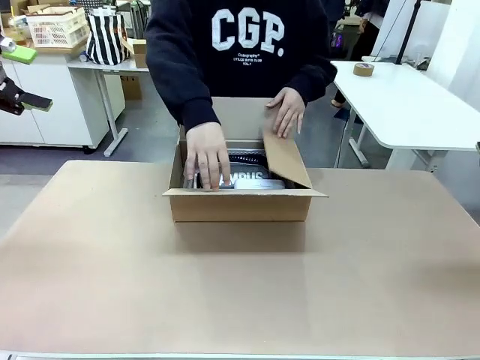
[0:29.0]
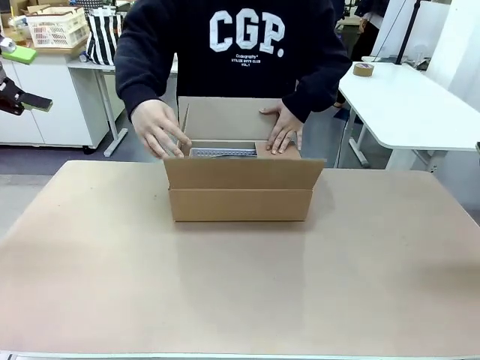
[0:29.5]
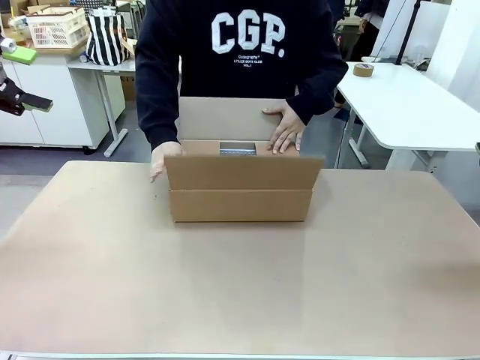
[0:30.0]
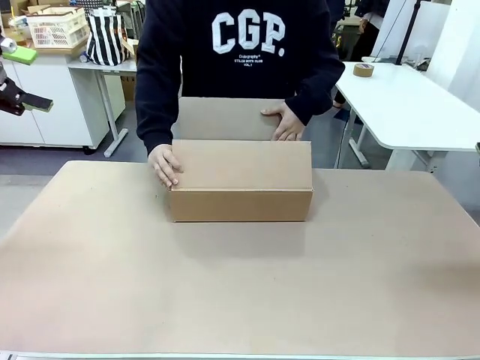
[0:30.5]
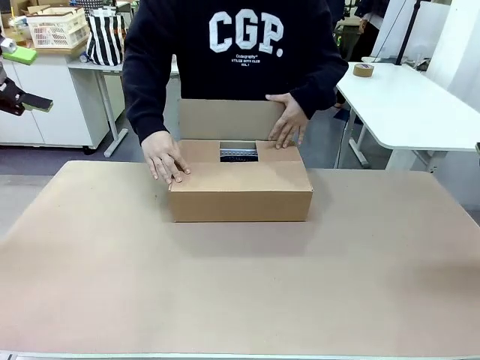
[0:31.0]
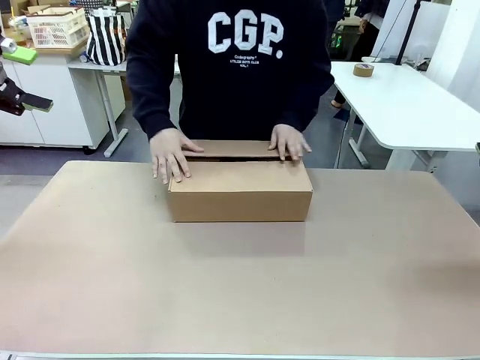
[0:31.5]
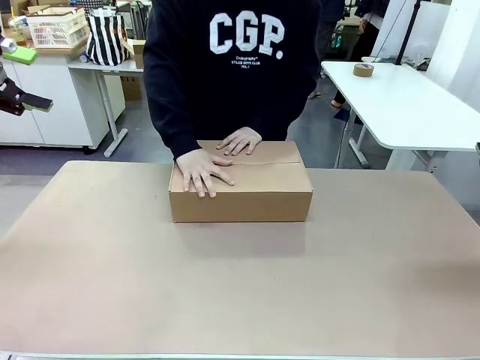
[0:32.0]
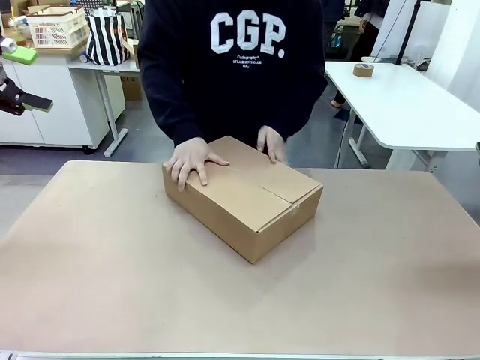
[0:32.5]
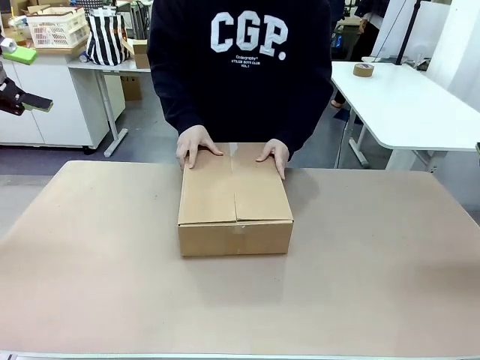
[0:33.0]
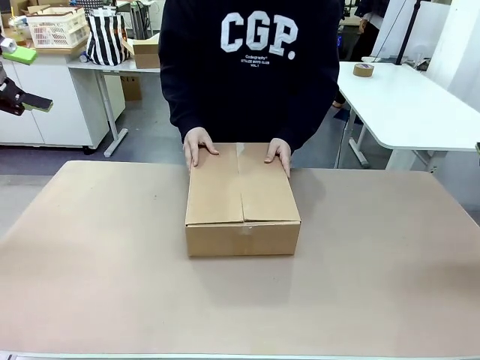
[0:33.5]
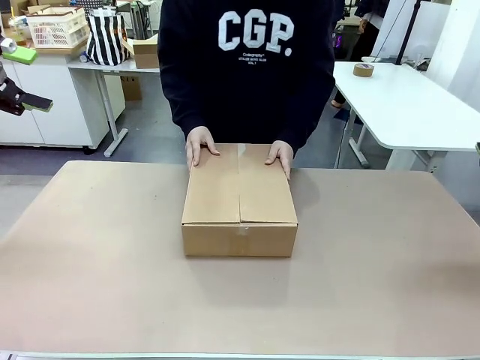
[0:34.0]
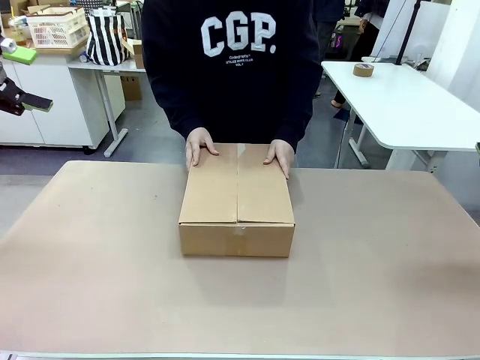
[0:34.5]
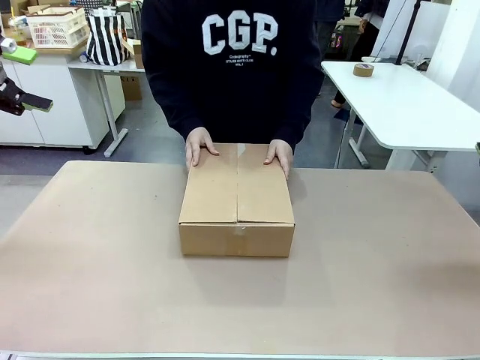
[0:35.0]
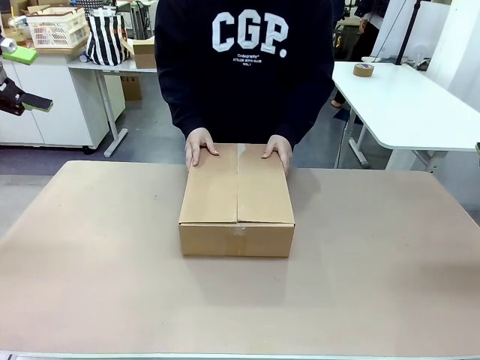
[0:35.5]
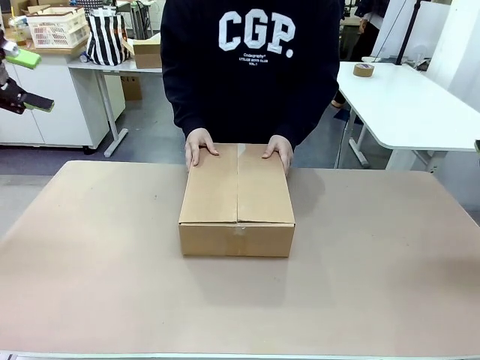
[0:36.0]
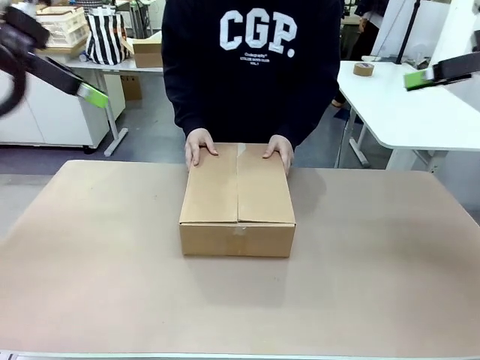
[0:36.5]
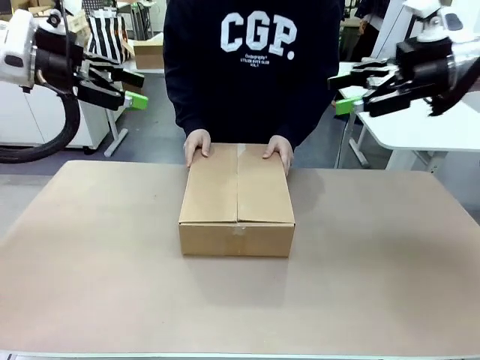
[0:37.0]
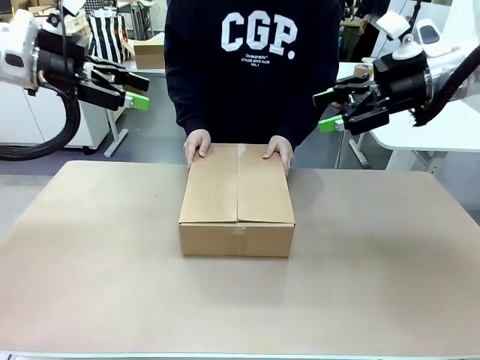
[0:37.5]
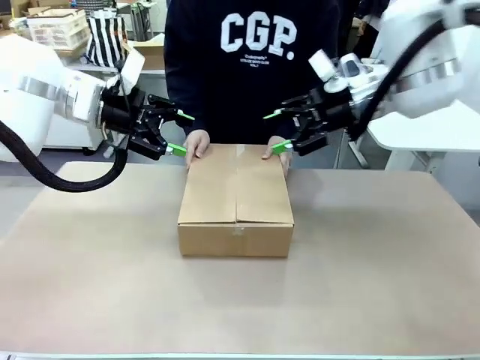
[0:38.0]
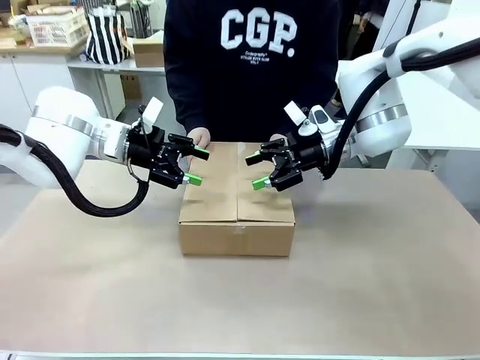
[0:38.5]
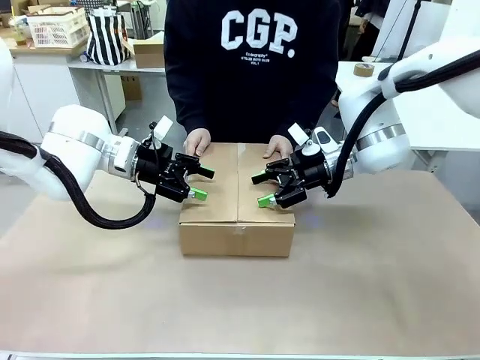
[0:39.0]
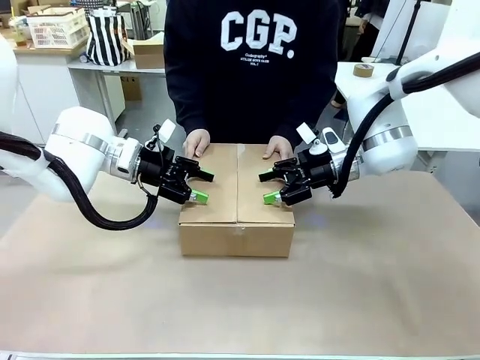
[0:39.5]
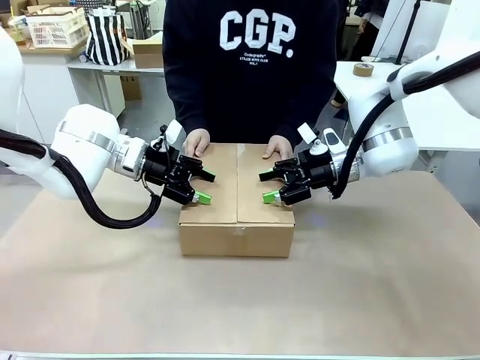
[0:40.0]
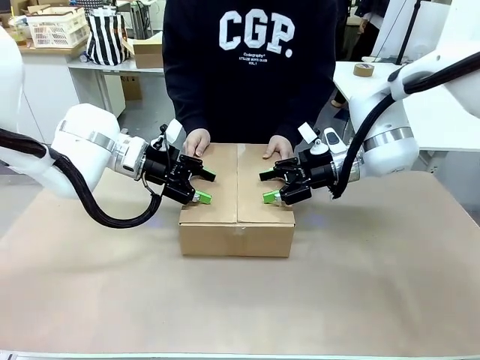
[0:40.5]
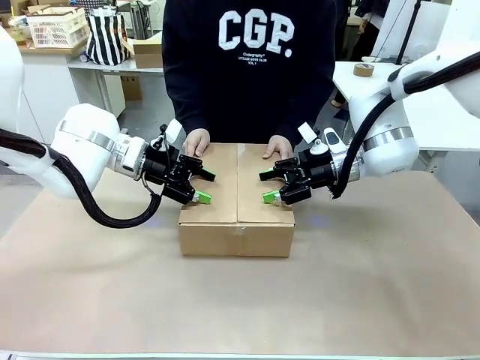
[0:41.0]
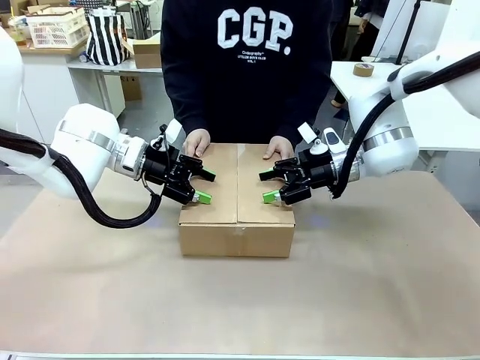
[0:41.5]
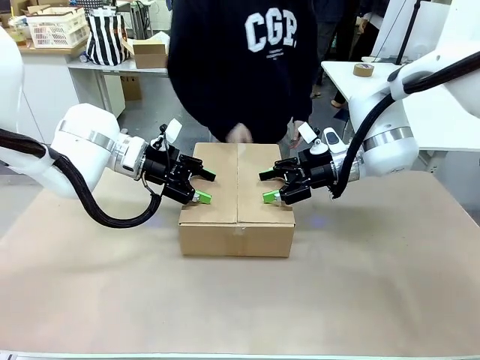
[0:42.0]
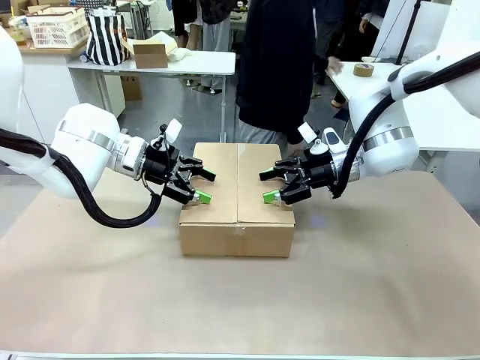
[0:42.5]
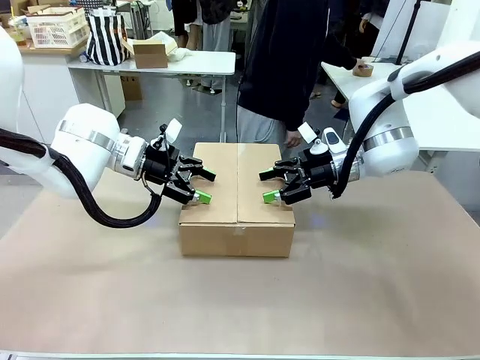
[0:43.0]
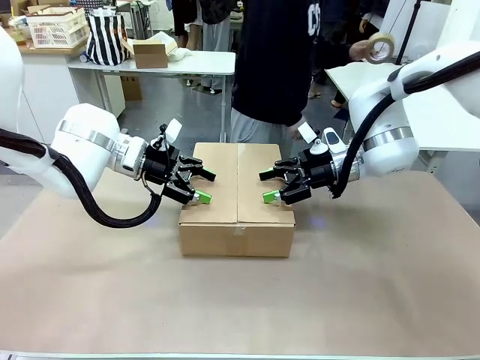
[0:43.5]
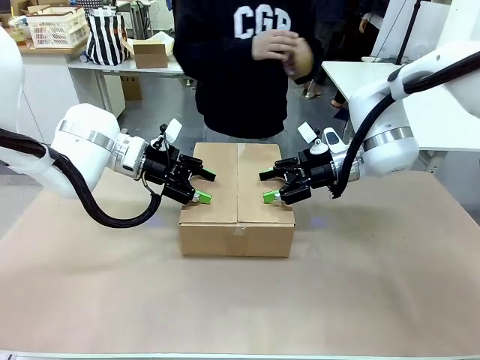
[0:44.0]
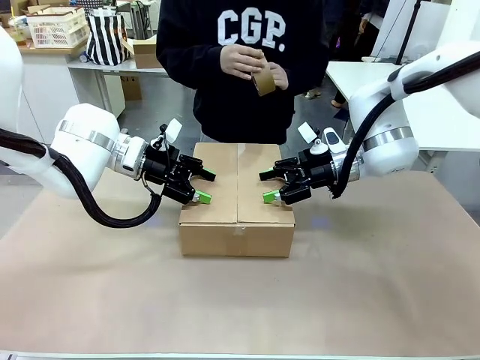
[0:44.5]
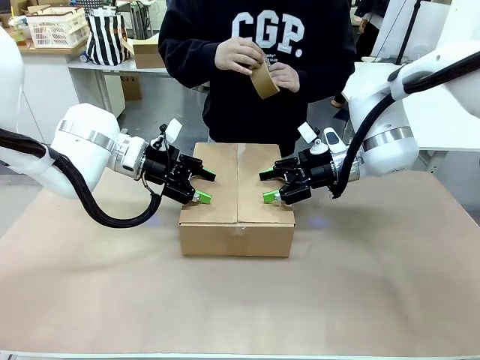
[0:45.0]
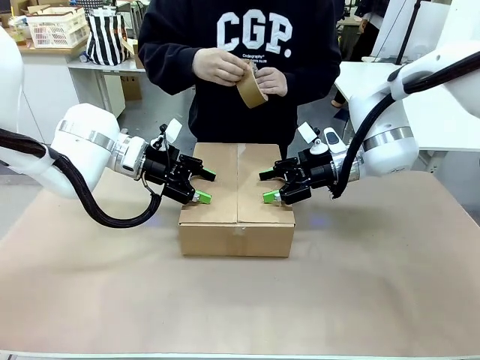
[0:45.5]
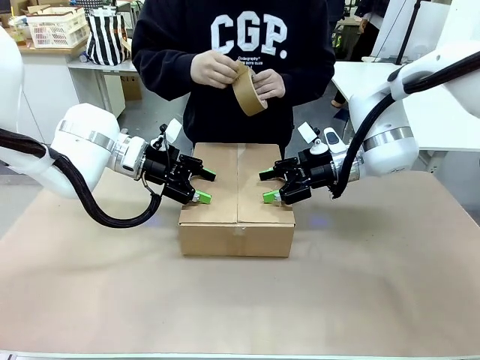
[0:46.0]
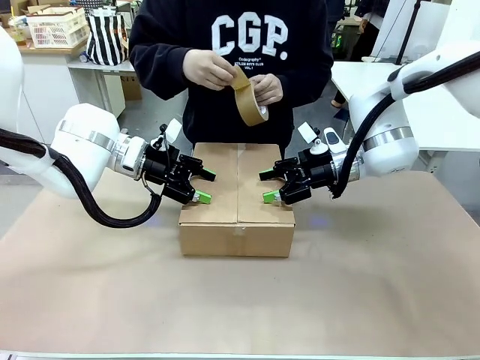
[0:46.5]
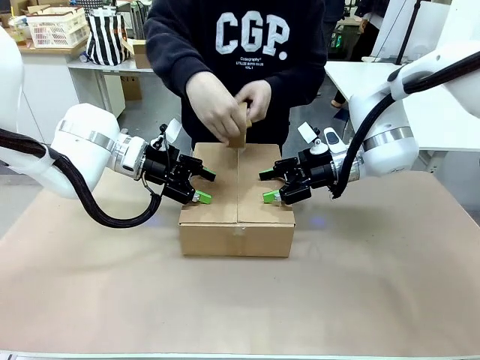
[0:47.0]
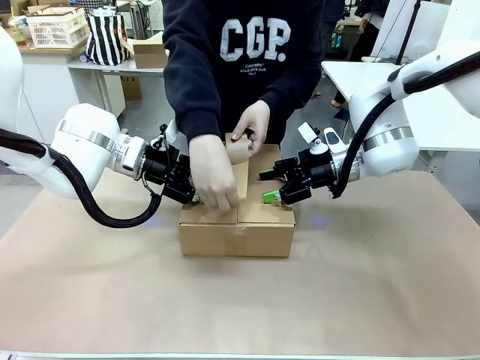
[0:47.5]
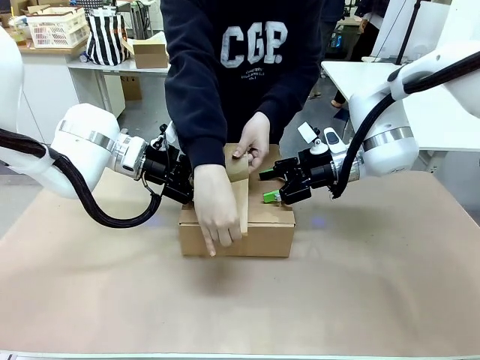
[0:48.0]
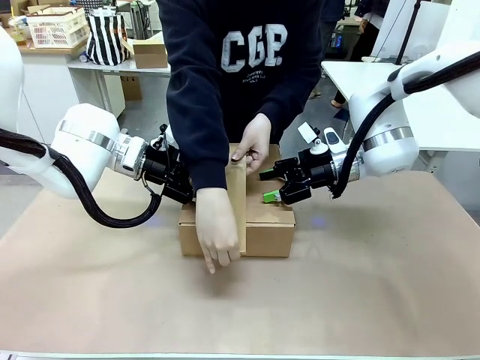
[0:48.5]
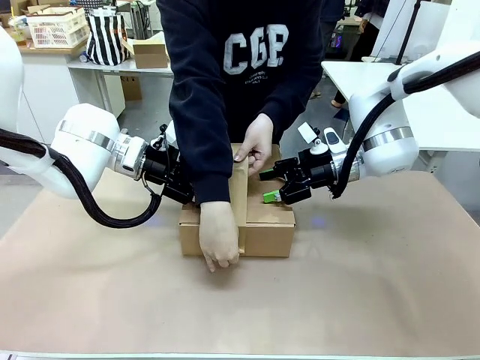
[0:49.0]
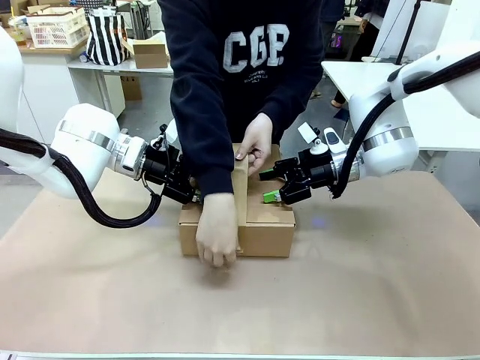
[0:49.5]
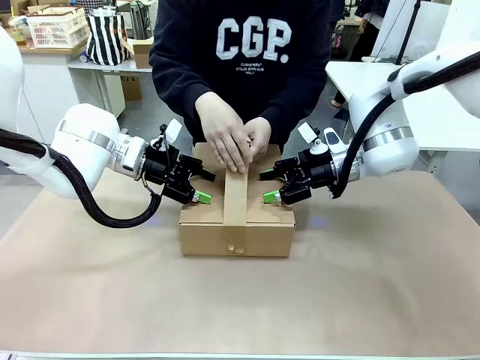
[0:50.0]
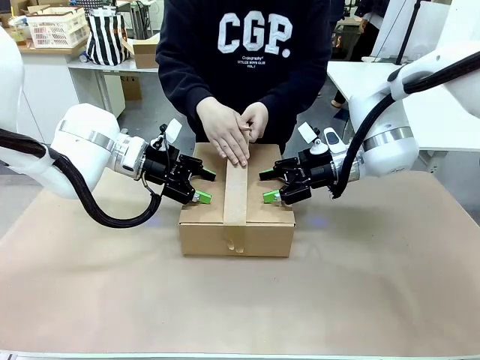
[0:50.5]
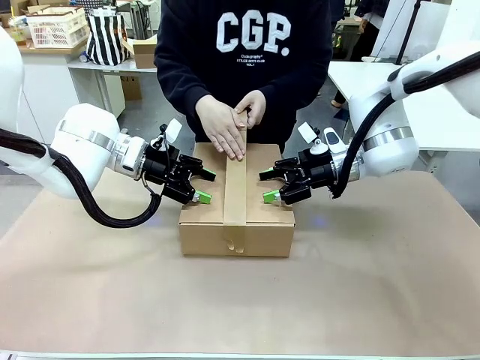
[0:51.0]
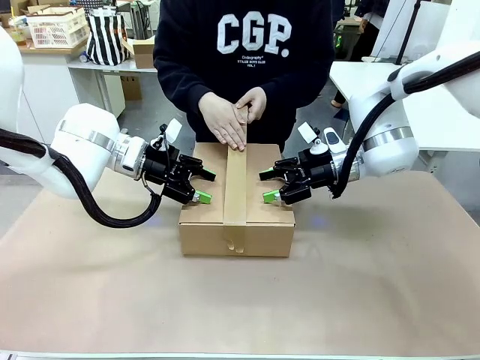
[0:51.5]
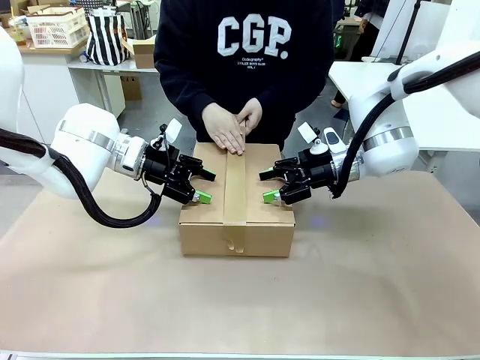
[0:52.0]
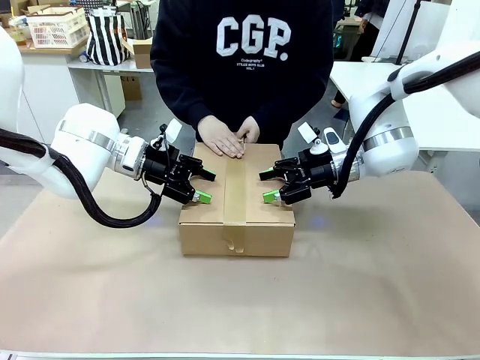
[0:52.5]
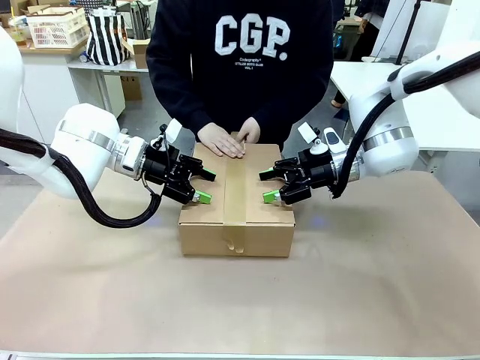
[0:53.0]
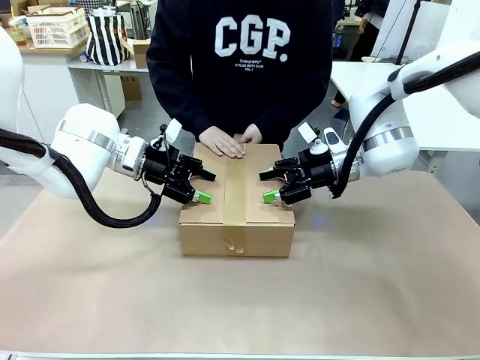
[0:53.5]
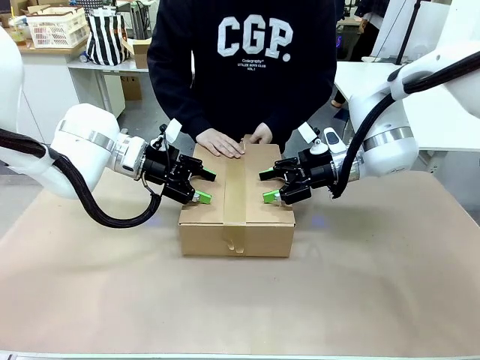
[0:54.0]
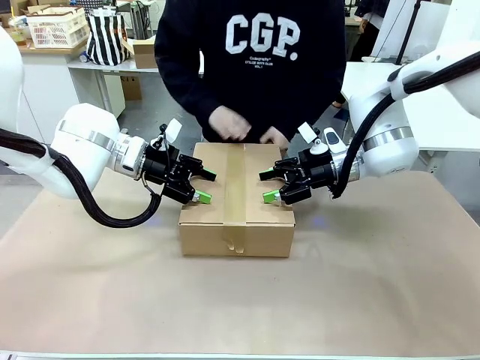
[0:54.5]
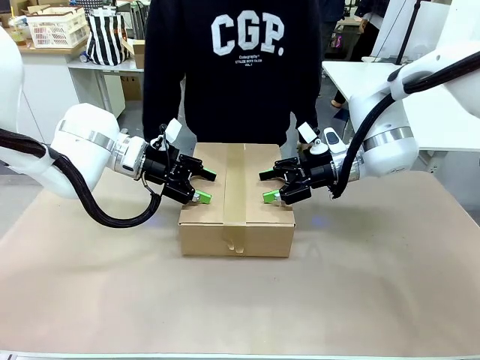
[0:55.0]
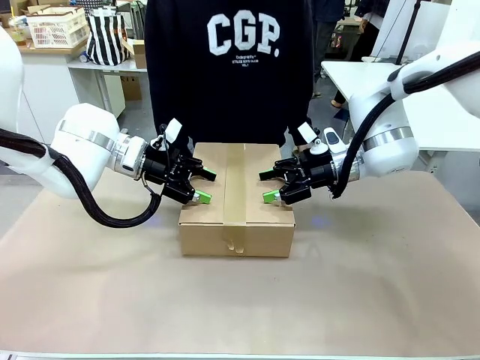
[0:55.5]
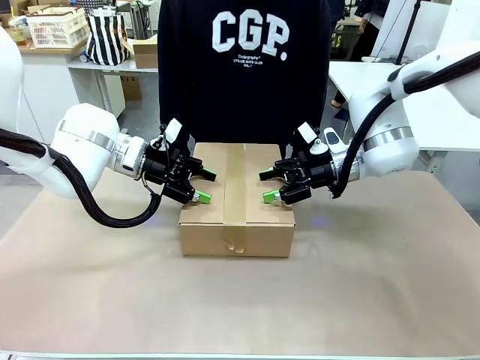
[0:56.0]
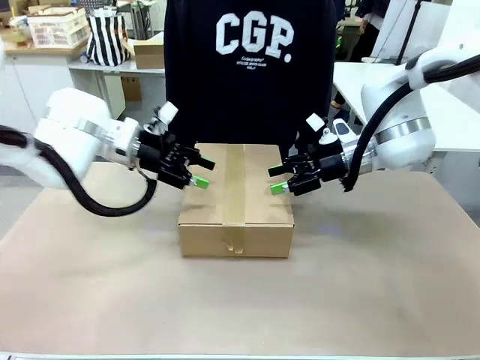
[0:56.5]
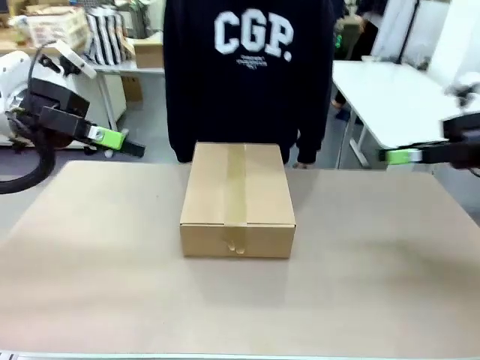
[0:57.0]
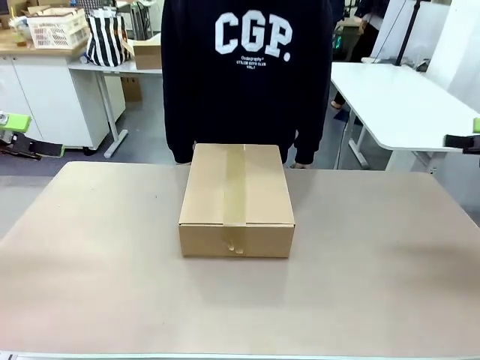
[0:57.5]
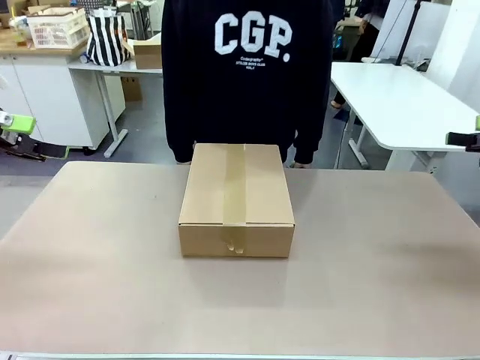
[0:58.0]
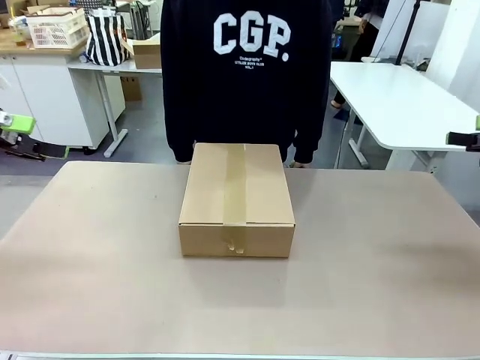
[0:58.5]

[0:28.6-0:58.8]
Task: Pack the gift set into the box.
Robot: Press and hold the closed box until the human finishes sealing it.
Person: The human closes the box and rotates the box by 90 degrees. The human picks up the paper tape from the human table and packs the box.
